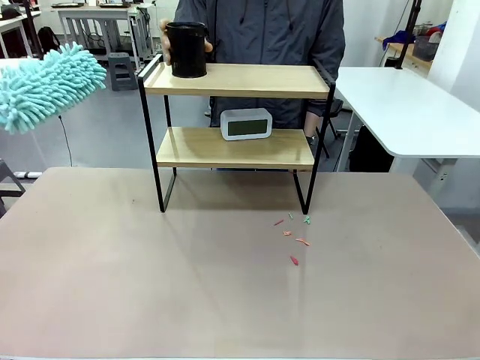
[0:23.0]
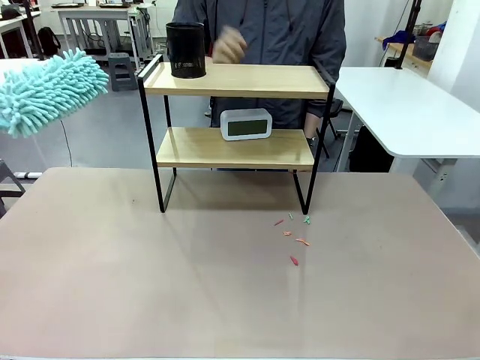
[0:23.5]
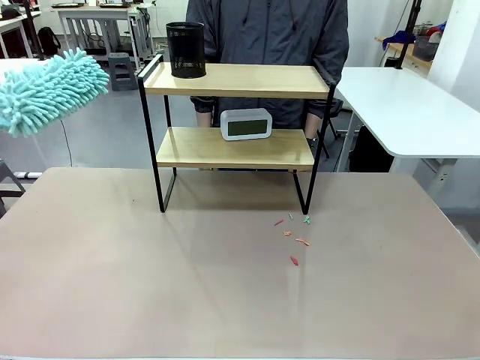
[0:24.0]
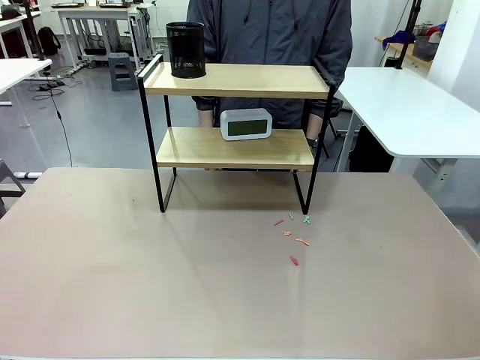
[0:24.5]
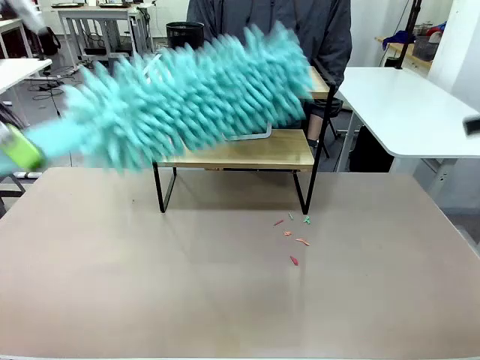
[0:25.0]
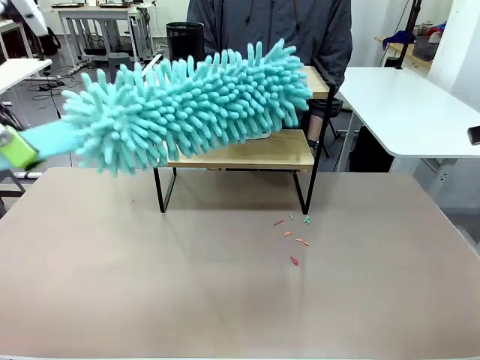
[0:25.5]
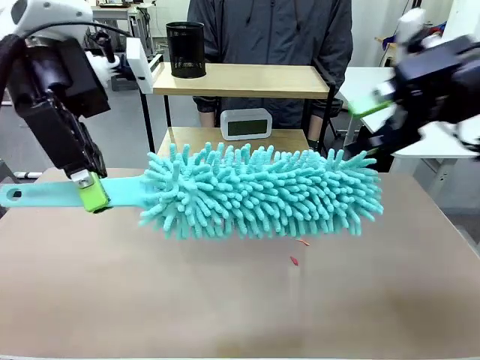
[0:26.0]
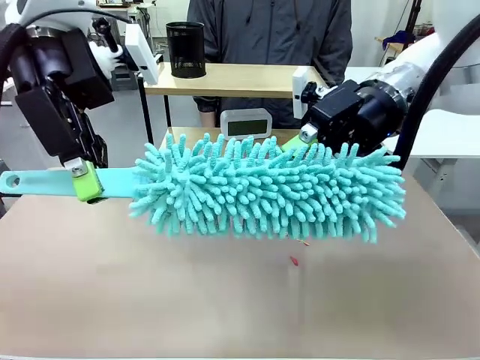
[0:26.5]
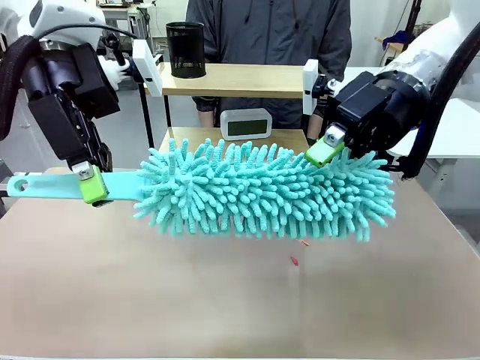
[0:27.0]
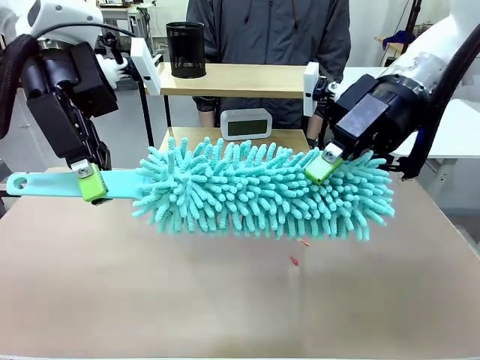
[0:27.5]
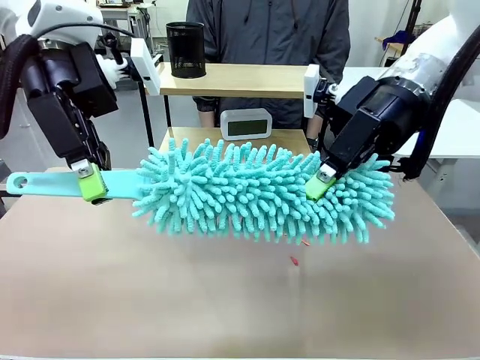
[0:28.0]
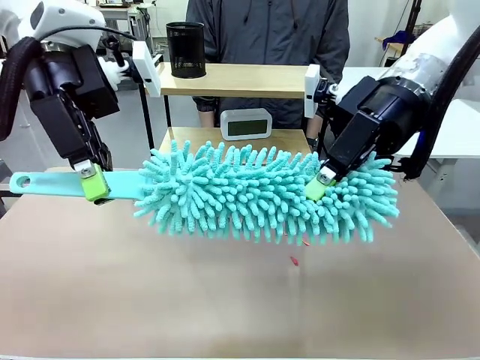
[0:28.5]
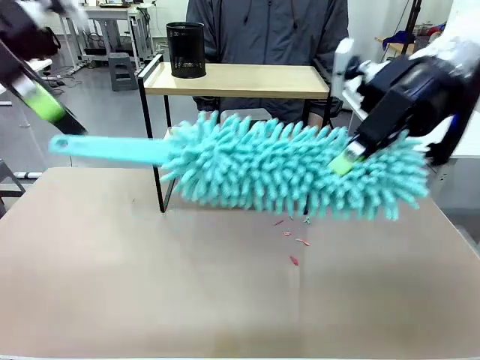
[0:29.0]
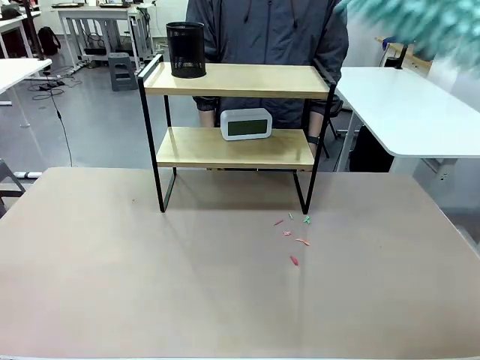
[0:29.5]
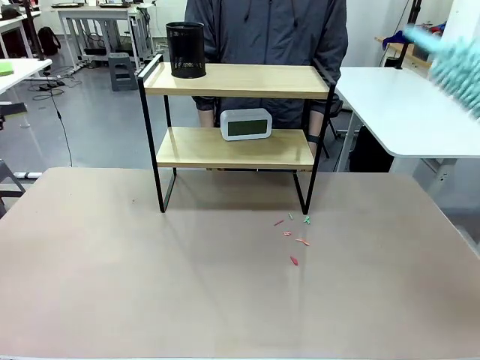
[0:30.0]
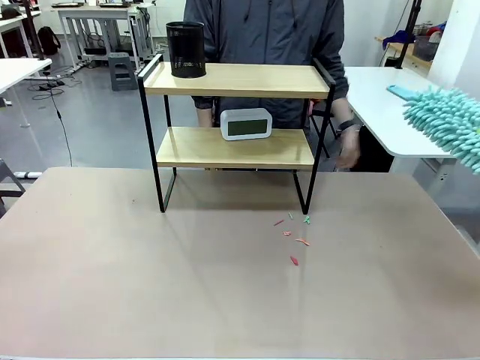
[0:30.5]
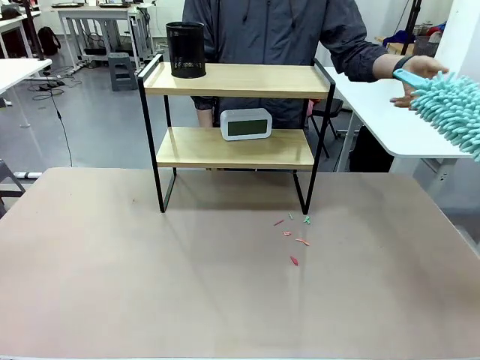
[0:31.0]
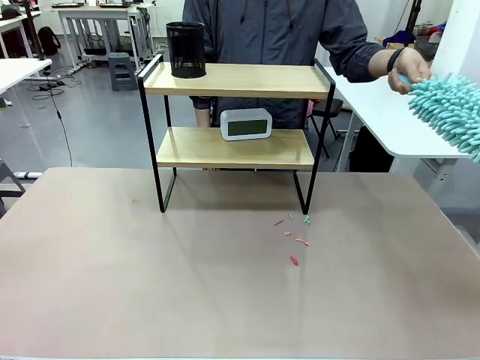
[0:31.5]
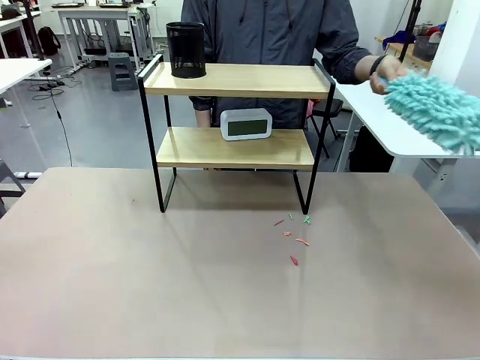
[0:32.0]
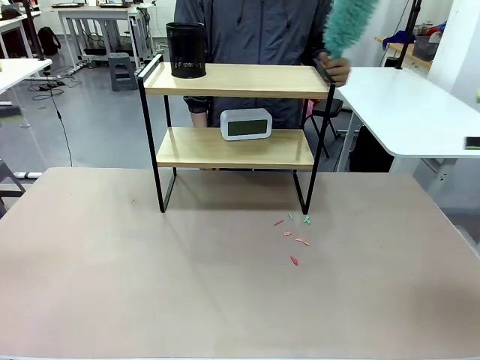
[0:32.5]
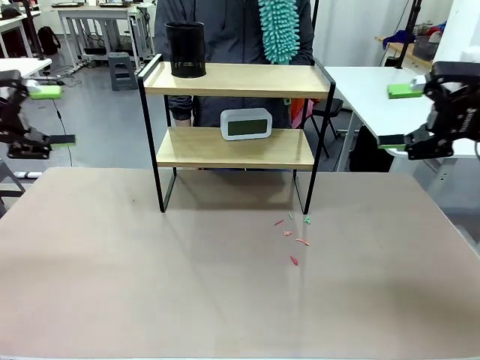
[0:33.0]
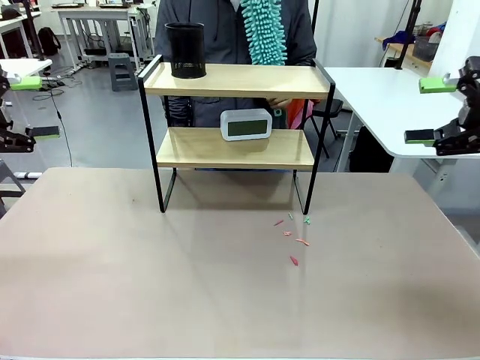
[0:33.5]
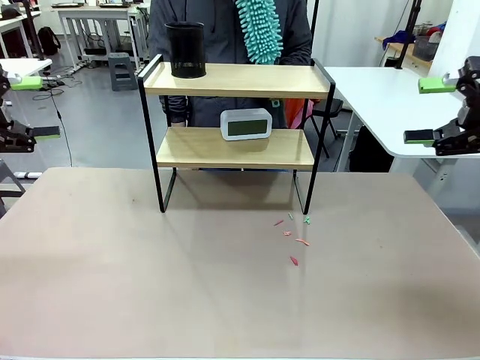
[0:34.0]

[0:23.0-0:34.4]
Task: Clean the shelf.
Robot: Hand the Duster back to the human.
Person: Receive the Duster from the robot.

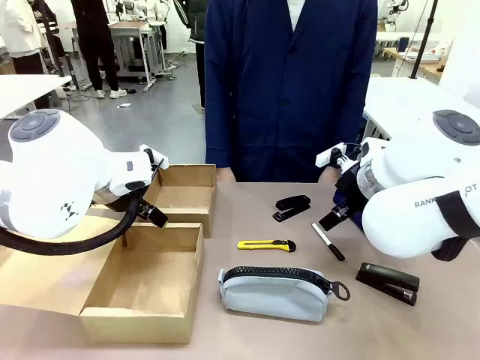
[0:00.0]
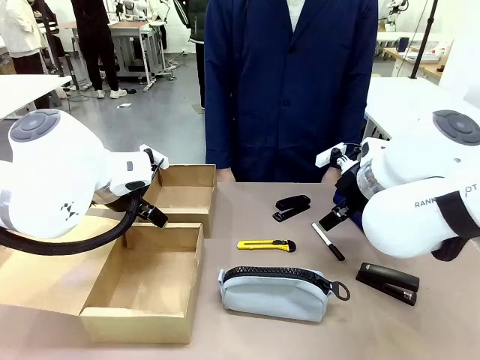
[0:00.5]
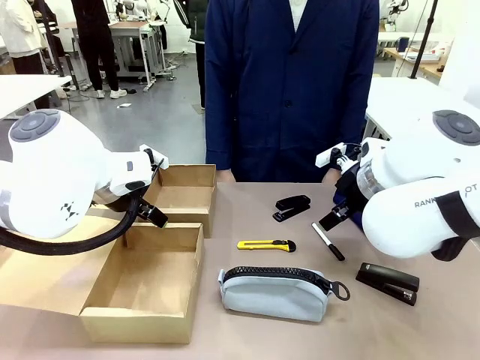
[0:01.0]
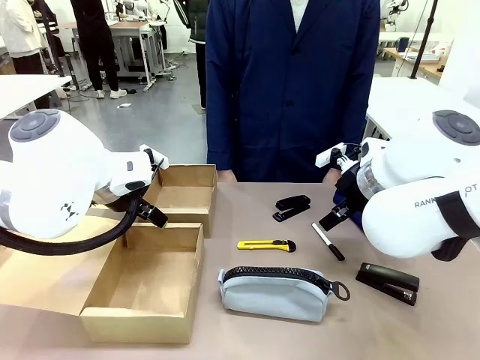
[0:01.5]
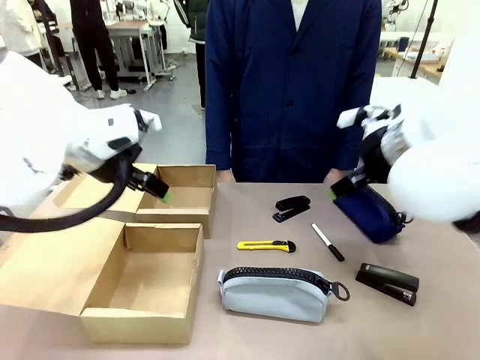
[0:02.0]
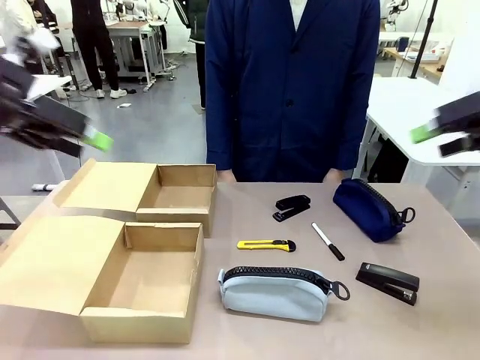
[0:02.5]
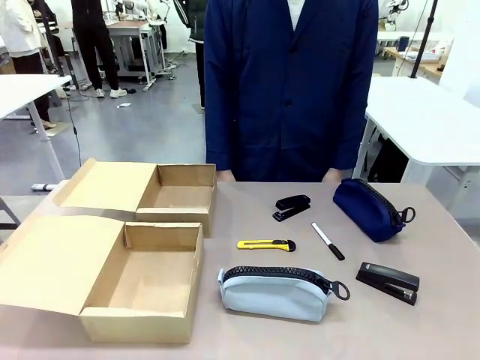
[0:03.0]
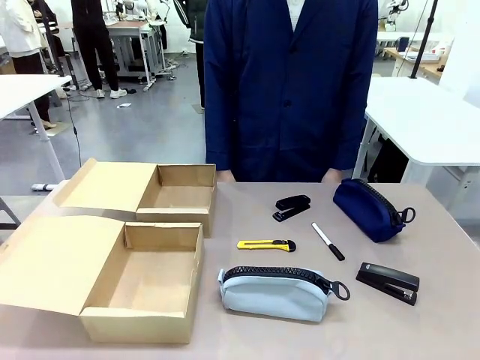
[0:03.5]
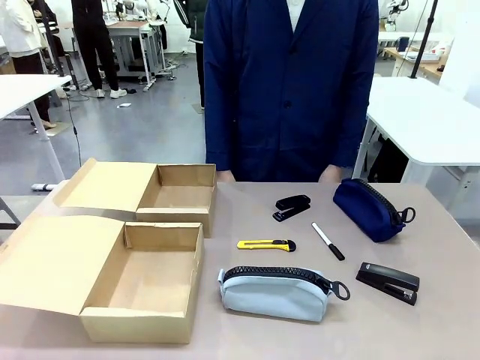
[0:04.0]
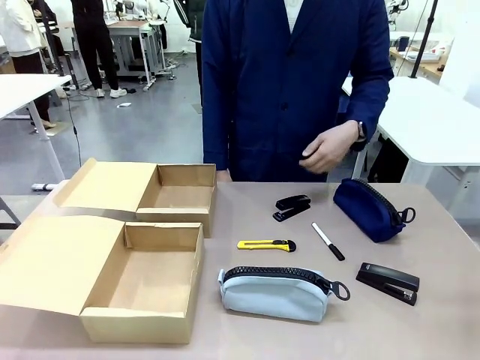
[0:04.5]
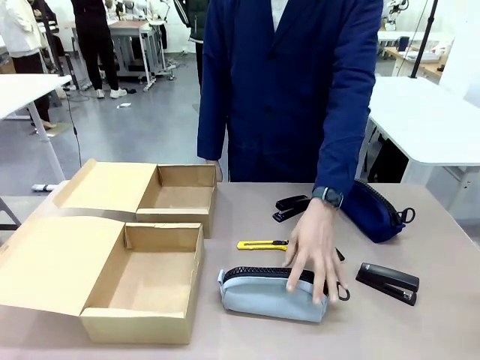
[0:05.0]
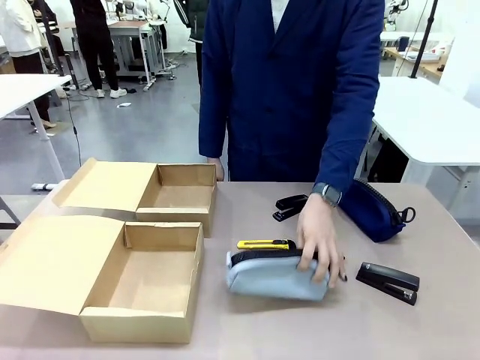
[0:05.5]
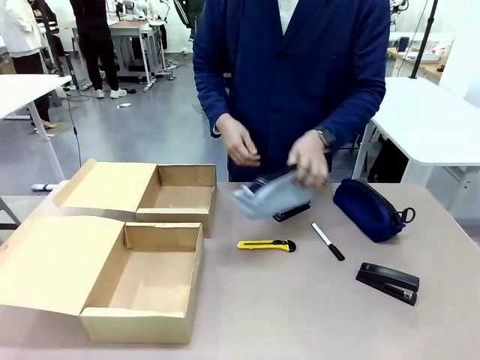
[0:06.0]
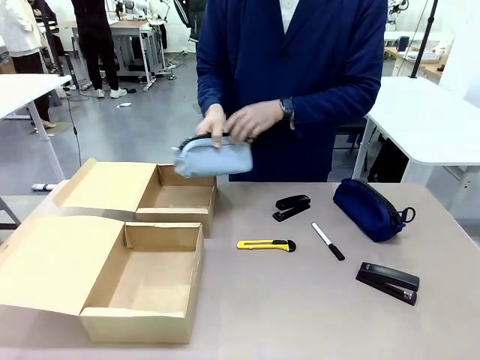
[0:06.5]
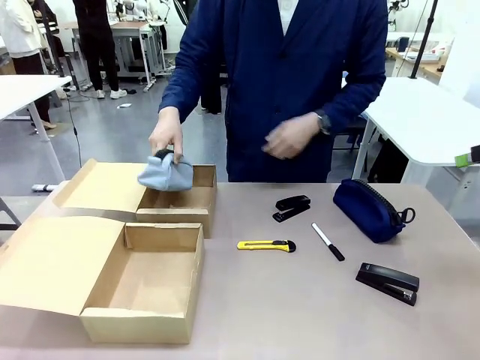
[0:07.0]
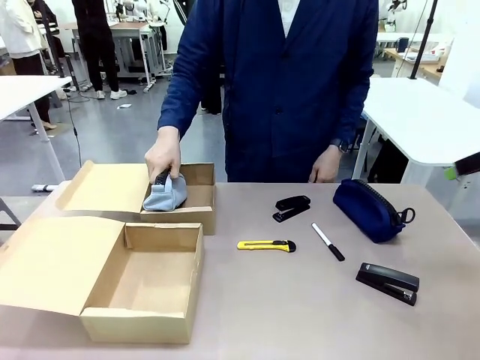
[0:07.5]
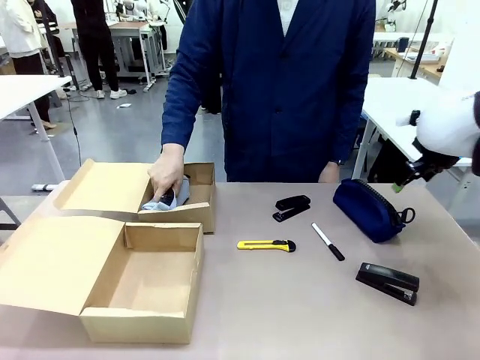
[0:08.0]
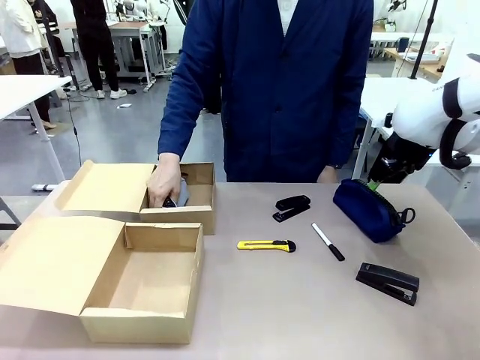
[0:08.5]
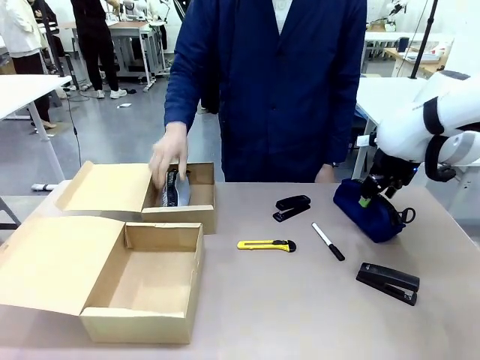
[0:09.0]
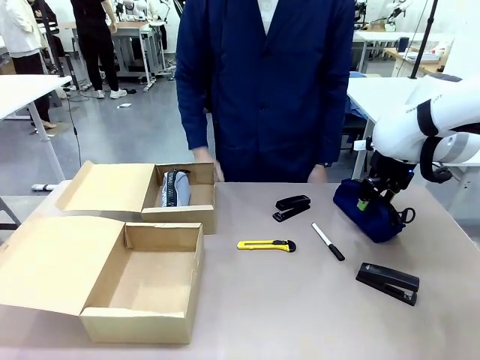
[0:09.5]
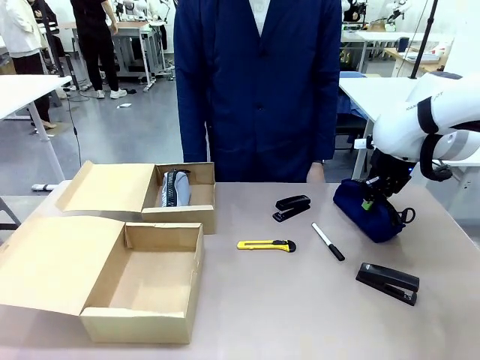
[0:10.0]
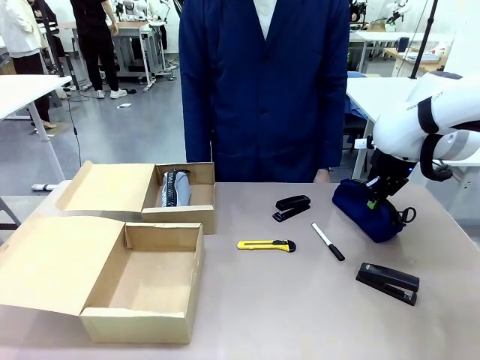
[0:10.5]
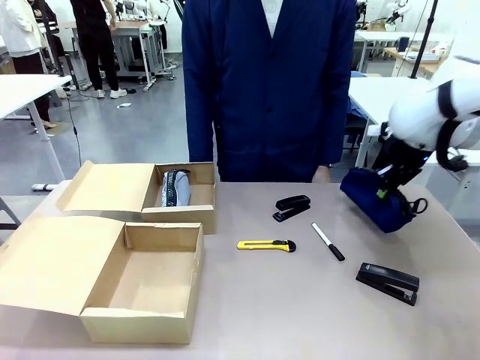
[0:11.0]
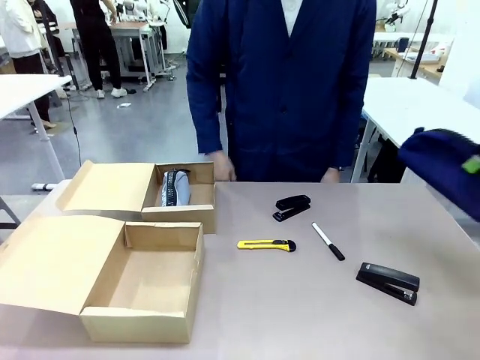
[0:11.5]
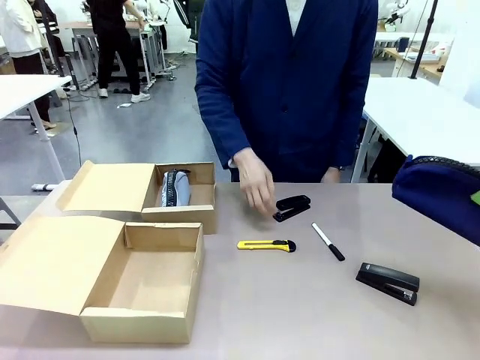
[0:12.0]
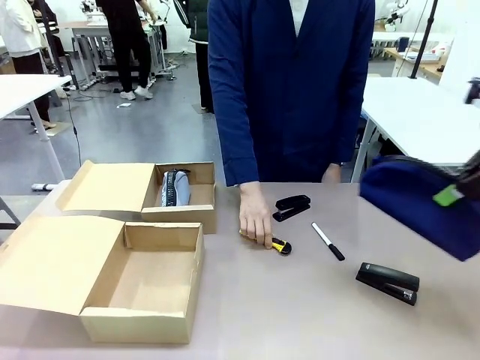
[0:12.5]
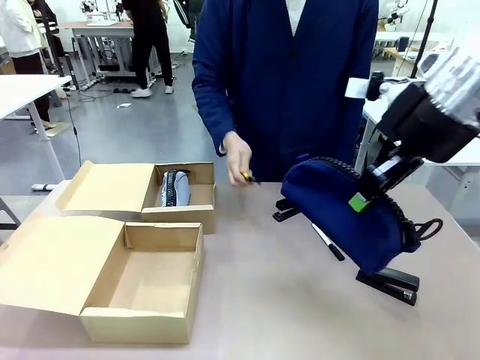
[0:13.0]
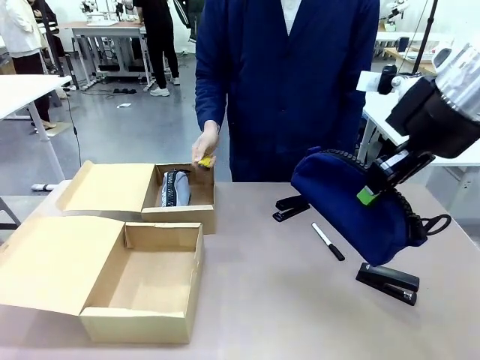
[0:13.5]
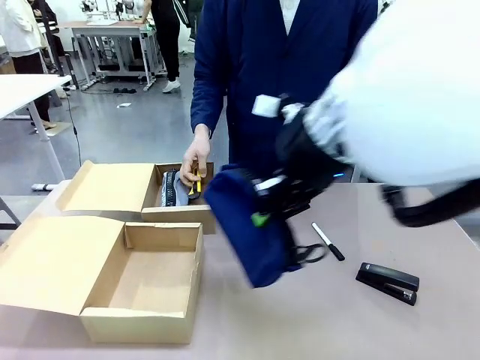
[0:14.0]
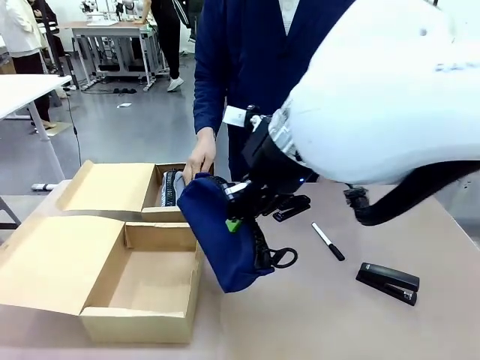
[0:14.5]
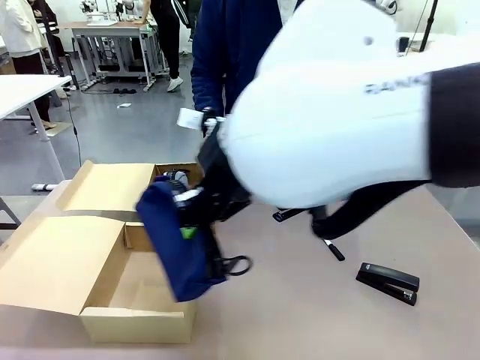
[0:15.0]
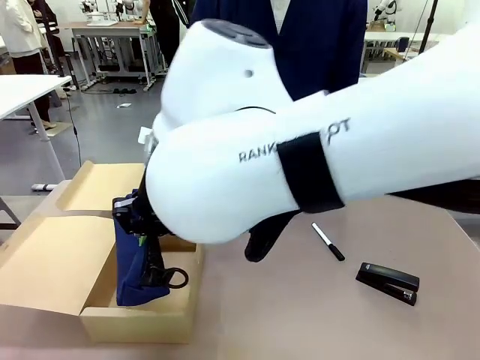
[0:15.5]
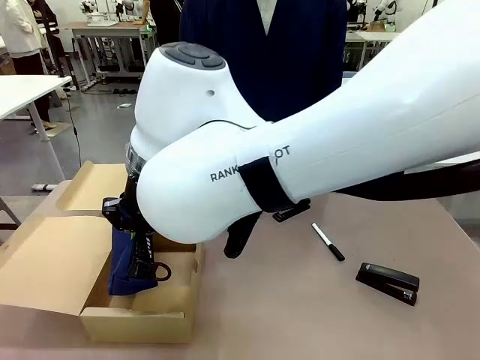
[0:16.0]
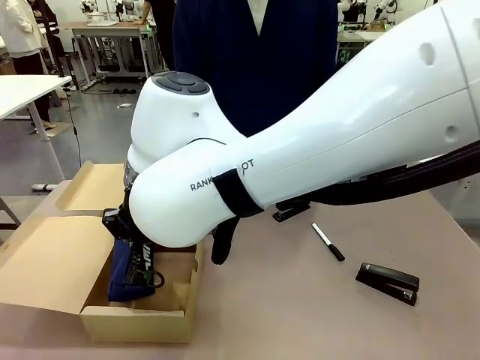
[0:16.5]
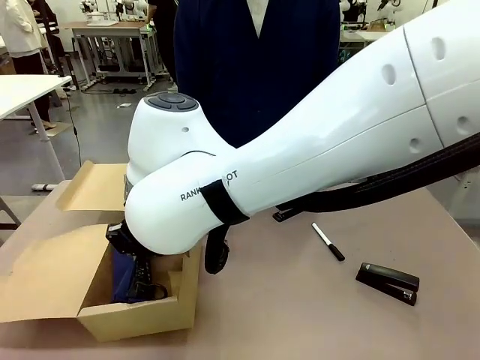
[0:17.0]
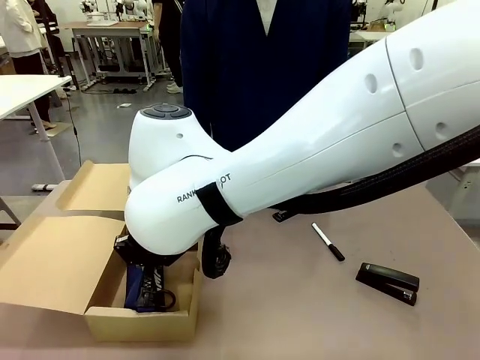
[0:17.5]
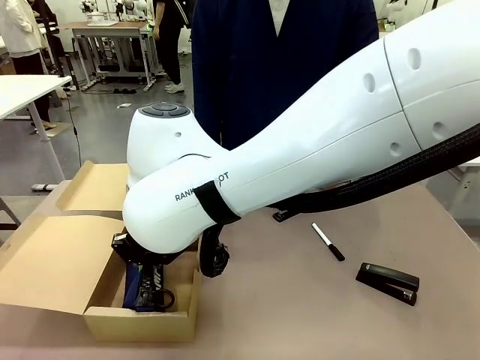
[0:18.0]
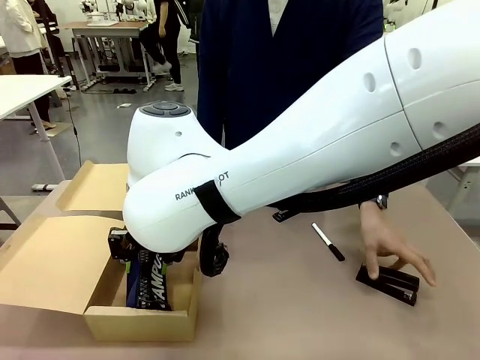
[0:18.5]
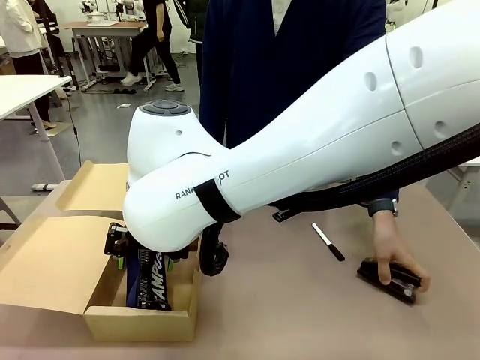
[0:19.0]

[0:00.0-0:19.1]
Task: Place items inside the box.
Robot: Pick up a Pencil pouch or Stapler and place it inside the Mailer Box closest to the robot.
Person: Pick up an object on the table and put it in the box.
